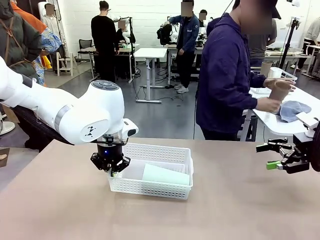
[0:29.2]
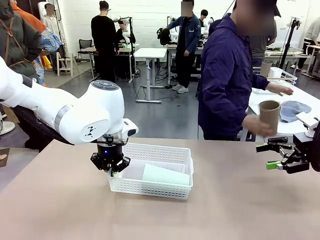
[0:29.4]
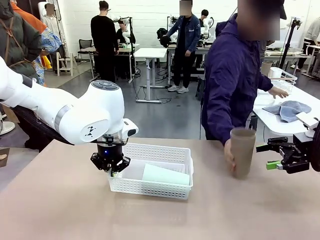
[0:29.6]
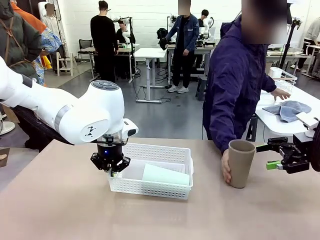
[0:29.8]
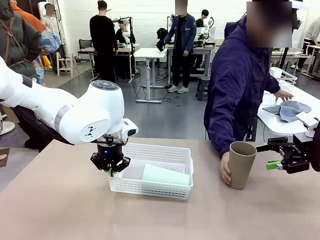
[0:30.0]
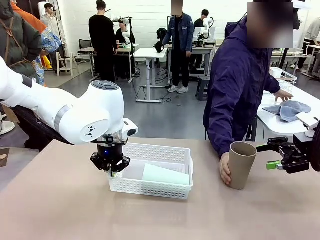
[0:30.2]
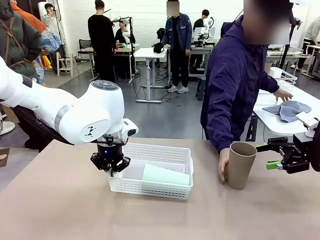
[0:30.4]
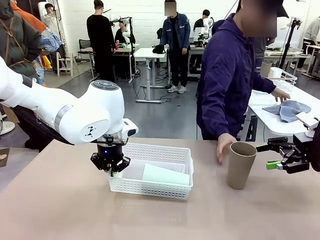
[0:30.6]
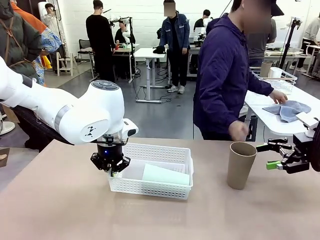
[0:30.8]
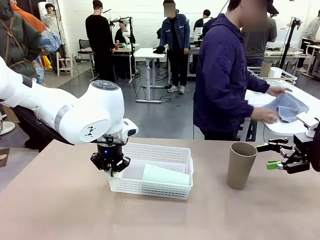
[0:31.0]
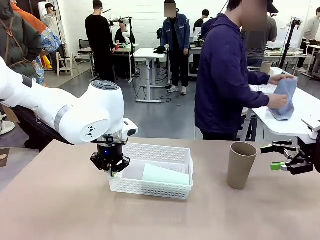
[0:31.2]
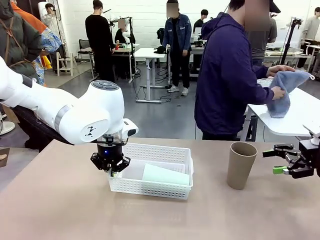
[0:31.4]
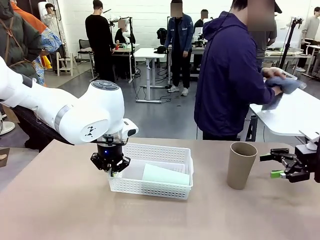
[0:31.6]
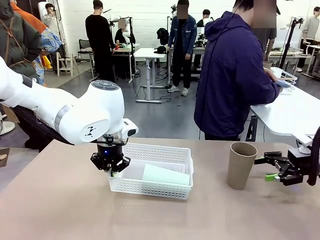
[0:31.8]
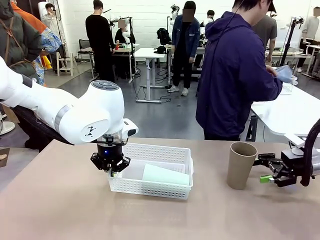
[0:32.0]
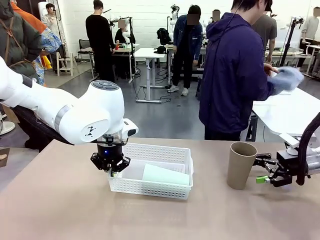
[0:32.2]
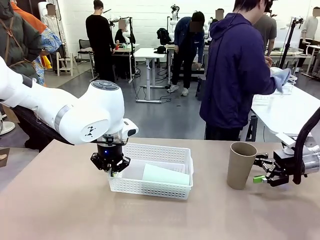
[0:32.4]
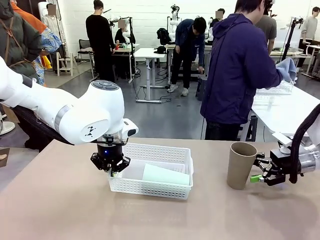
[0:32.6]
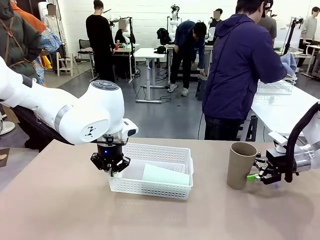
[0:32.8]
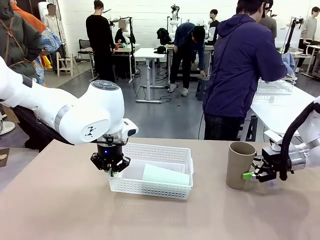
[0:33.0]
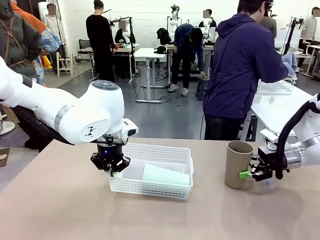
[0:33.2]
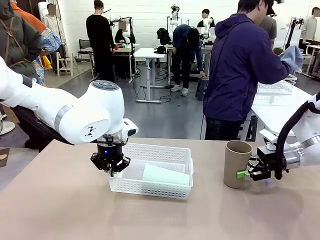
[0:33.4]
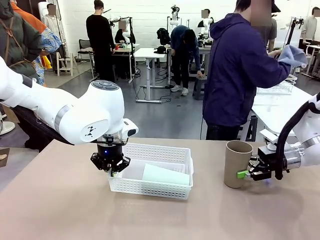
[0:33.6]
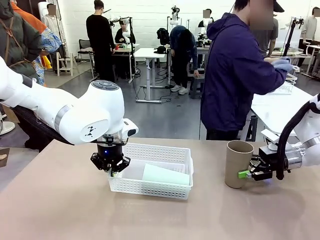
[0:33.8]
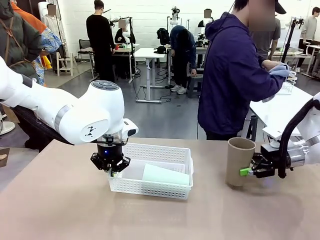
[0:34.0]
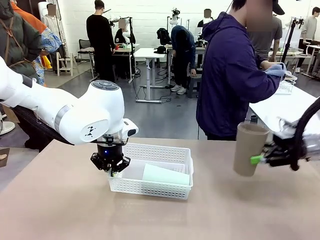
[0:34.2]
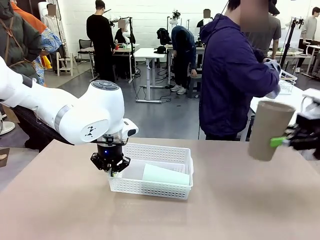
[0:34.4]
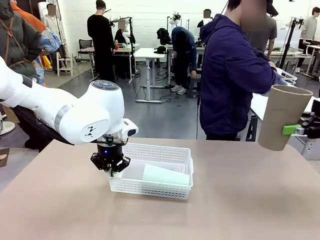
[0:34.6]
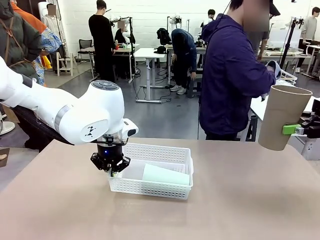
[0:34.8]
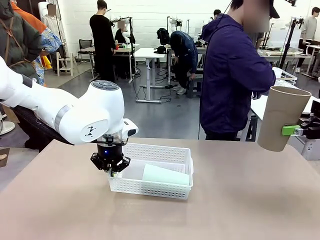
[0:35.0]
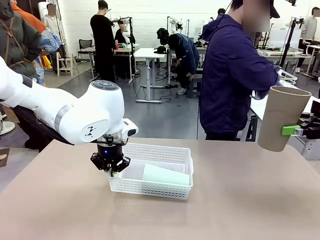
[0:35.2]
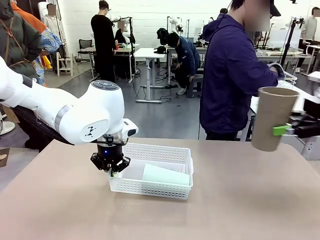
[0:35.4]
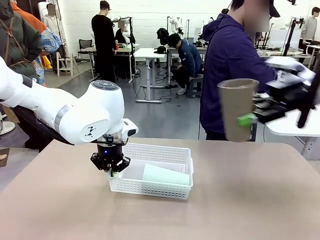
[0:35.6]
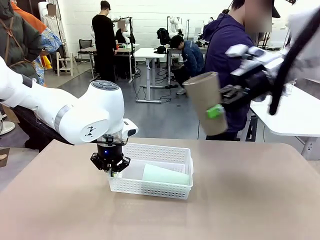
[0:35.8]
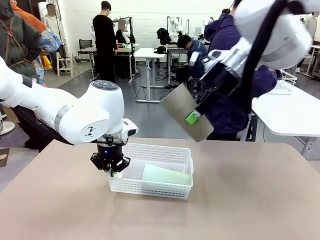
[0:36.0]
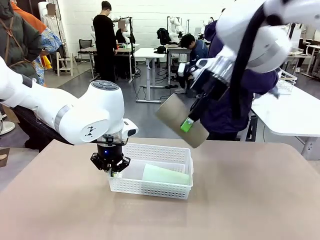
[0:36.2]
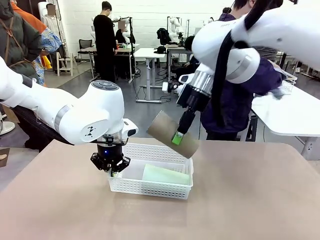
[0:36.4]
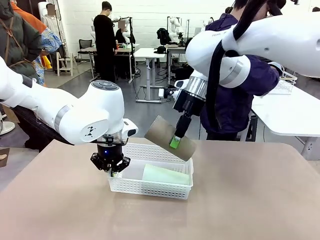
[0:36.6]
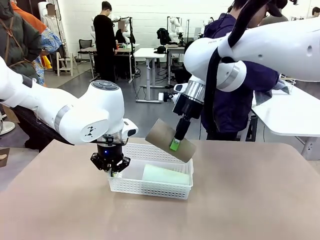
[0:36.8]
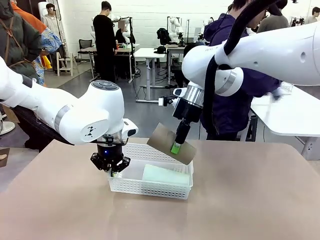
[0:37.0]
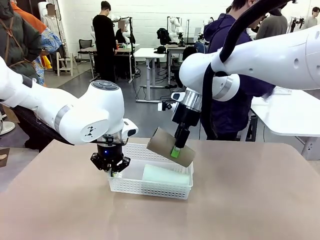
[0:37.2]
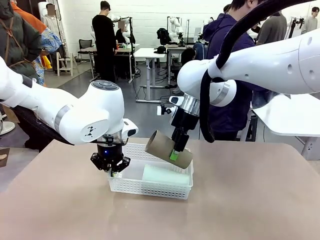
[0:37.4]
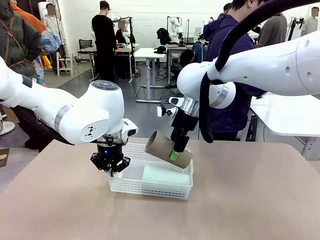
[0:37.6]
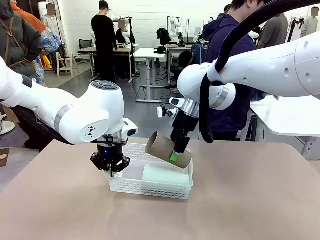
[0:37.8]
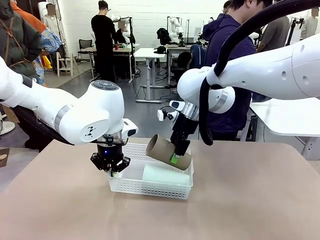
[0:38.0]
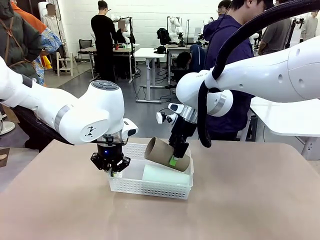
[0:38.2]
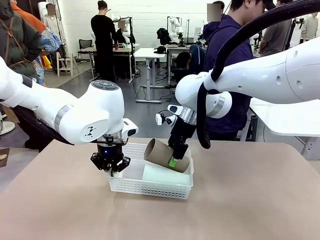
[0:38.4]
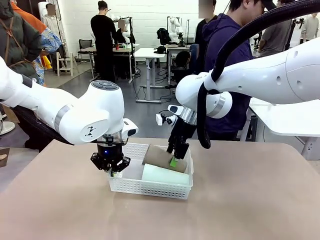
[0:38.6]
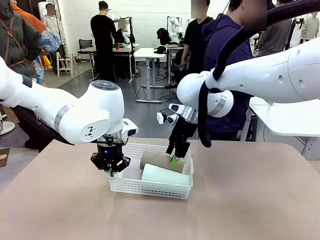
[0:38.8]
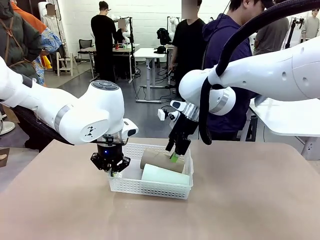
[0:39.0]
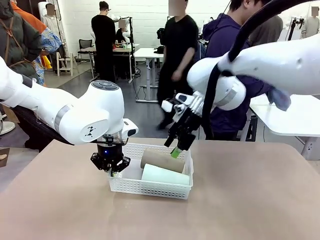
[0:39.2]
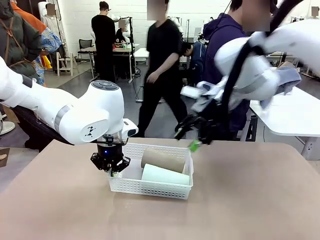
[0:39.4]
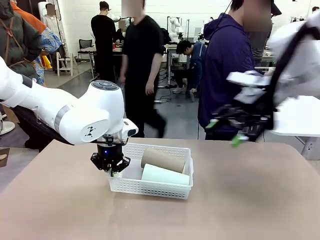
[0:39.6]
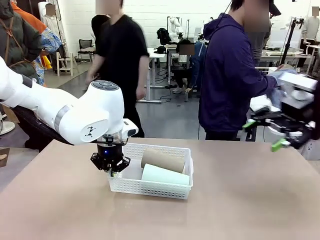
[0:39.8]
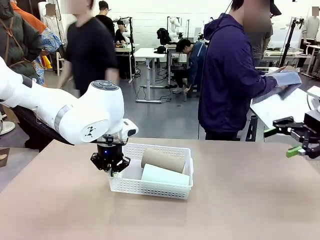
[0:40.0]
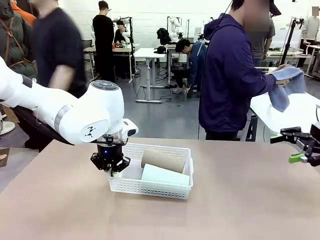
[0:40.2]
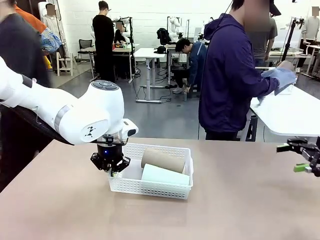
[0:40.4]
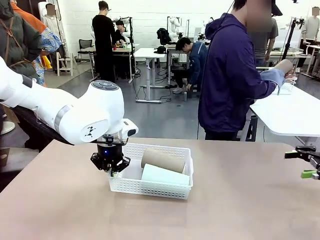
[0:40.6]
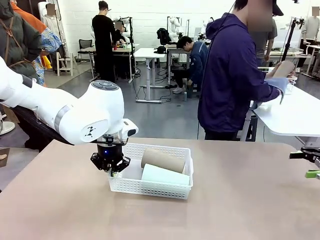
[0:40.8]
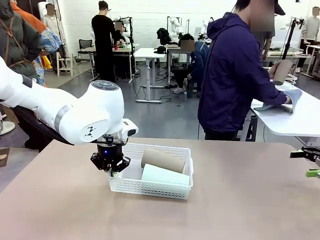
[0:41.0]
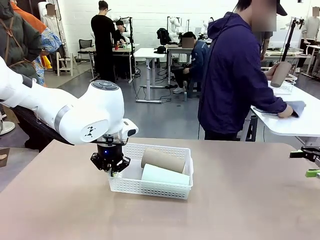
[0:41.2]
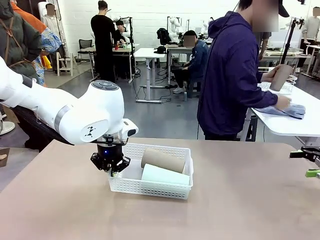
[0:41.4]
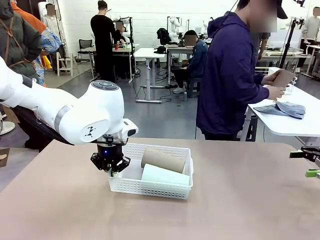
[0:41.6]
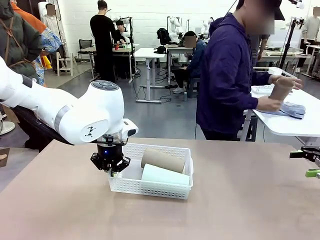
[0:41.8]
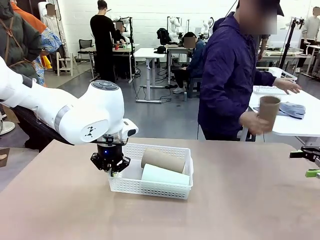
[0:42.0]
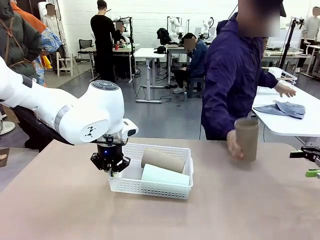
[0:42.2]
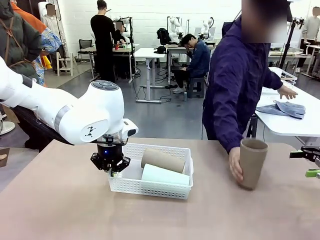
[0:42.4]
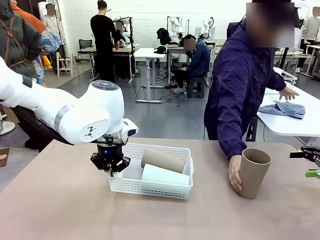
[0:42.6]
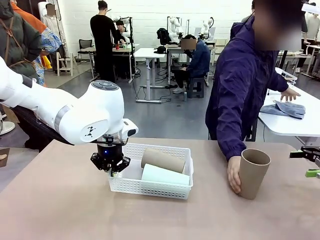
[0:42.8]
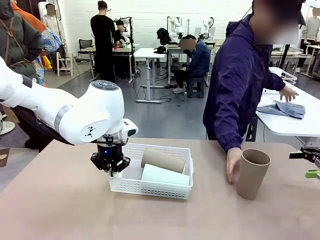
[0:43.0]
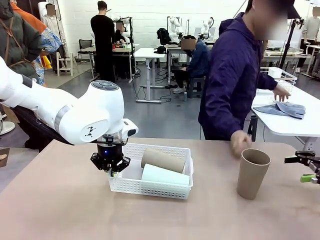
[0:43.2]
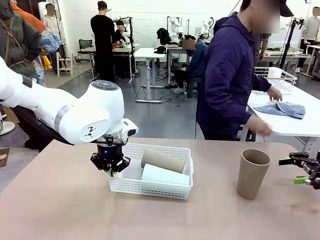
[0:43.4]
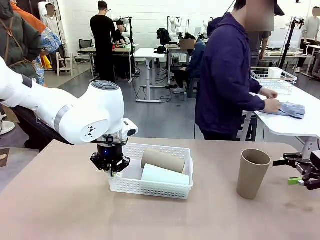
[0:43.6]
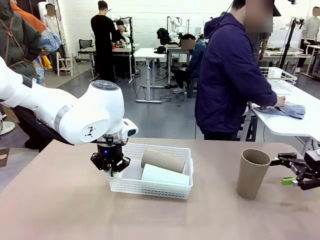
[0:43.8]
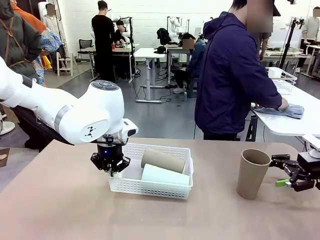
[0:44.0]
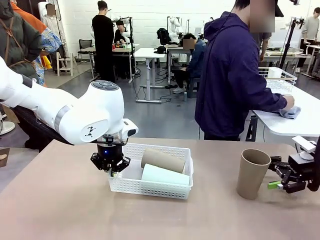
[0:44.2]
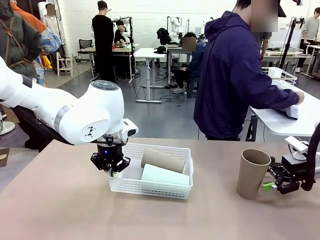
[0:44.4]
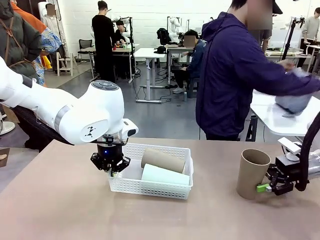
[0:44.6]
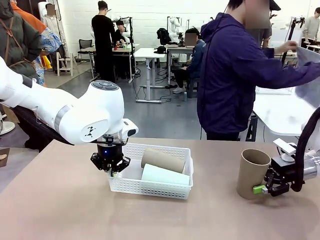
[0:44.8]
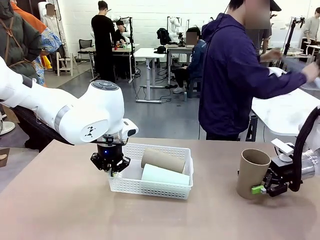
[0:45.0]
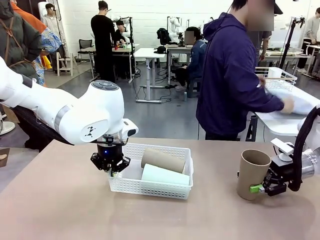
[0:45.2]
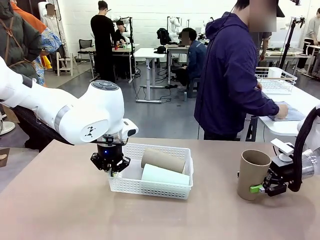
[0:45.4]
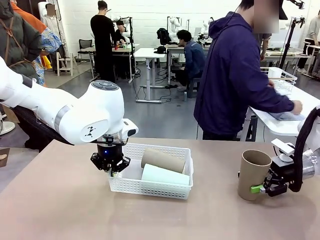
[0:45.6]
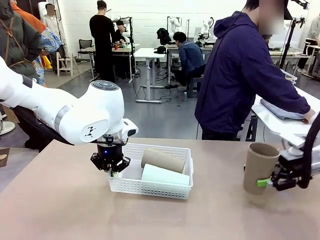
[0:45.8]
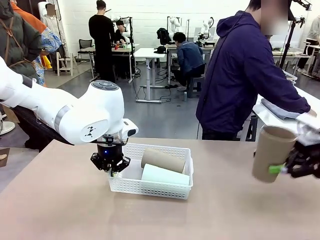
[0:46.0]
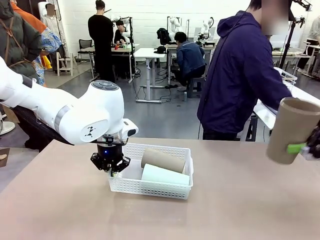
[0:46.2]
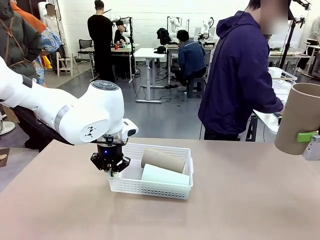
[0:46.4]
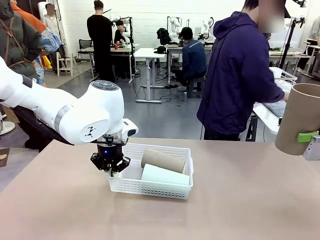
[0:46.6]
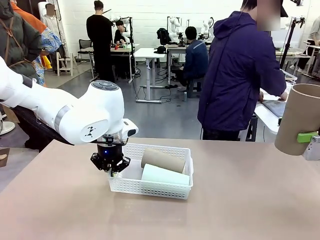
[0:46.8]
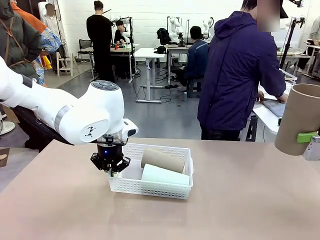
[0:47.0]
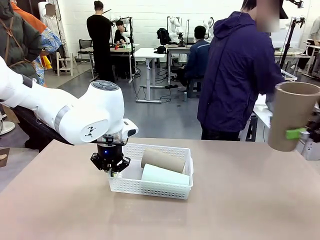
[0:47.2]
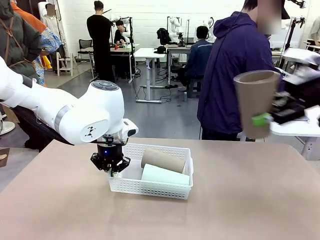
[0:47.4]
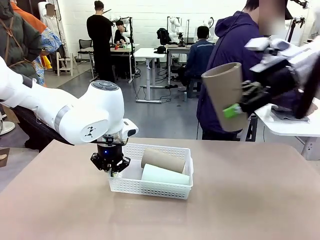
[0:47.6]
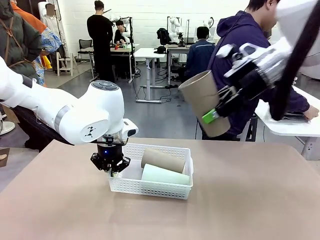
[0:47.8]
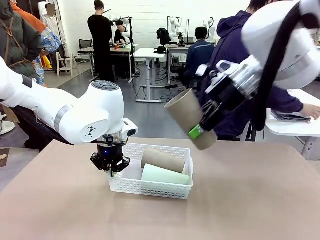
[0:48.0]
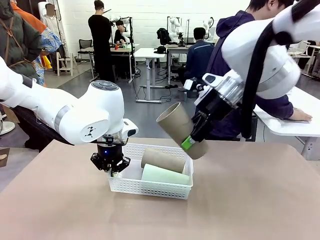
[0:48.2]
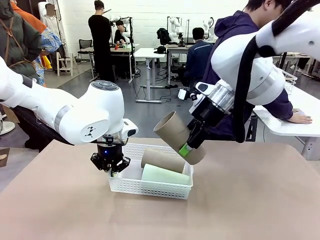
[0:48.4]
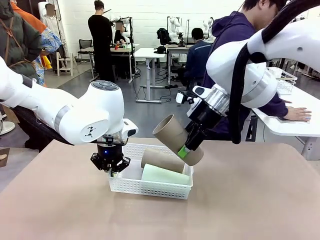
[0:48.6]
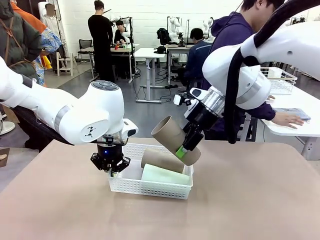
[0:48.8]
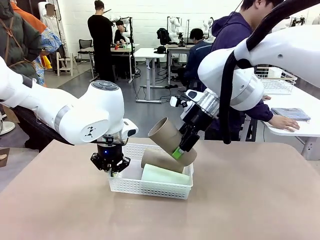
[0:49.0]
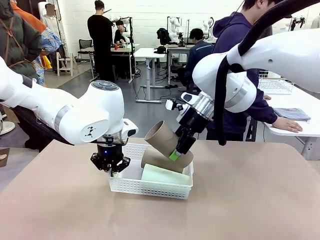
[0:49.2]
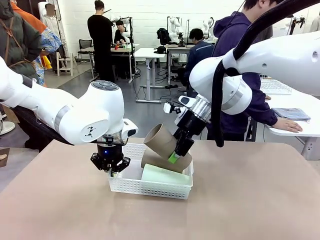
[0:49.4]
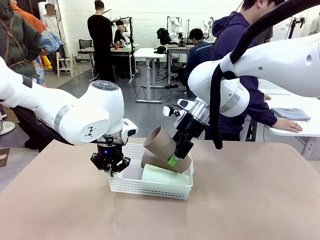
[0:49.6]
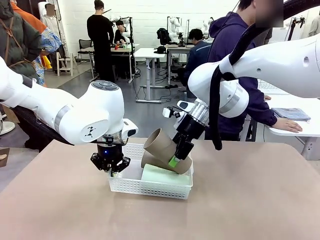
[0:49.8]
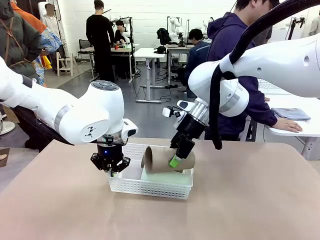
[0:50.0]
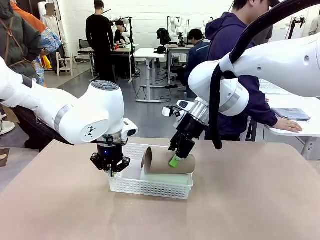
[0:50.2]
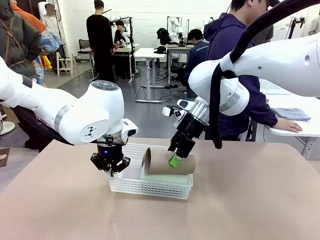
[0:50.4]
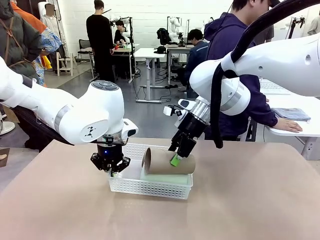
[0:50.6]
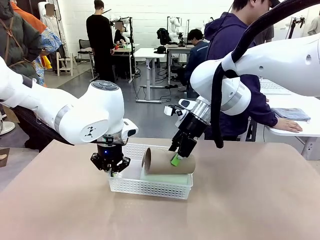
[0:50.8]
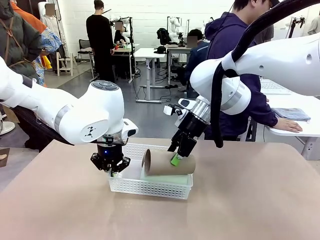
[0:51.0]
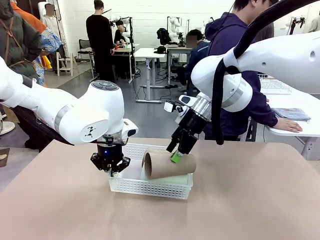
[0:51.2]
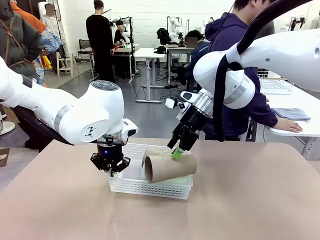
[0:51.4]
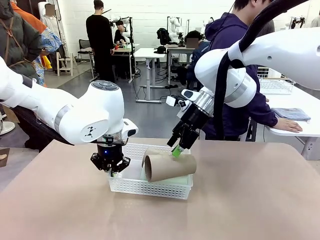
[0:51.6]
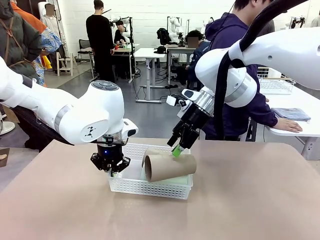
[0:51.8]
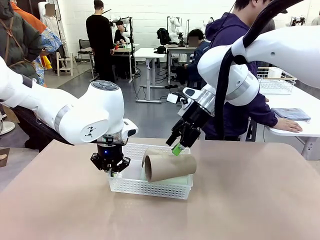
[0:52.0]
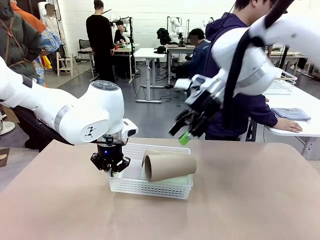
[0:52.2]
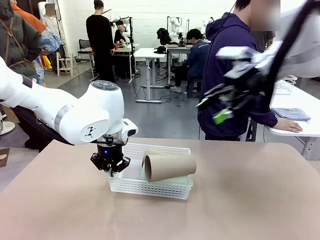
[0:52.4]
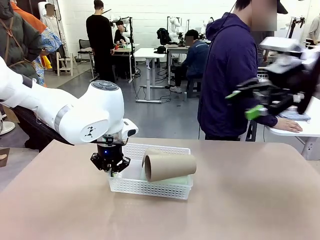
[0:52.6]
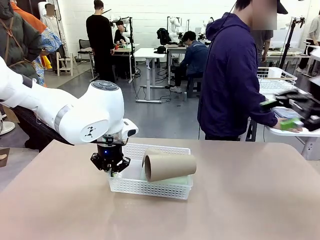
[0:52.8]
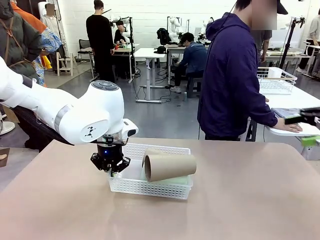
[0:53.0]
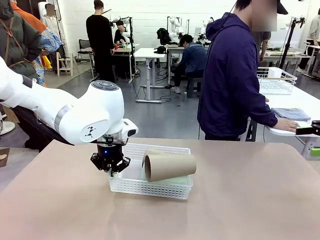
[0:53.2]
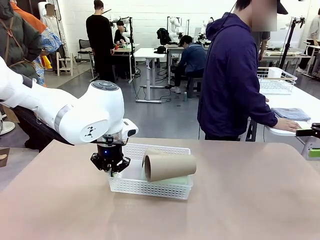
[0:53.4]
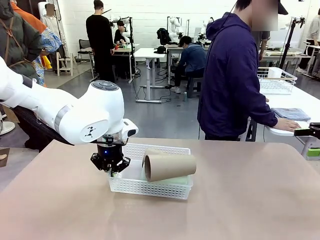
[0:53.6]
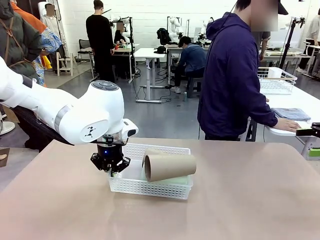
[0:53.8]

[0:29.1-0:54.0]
Task: Clean and organize the cups into the basket.
Robot: Pick up the Reusable plastic cup from the right side of the table and stack it inside the Organizing basket in the center of the table.
